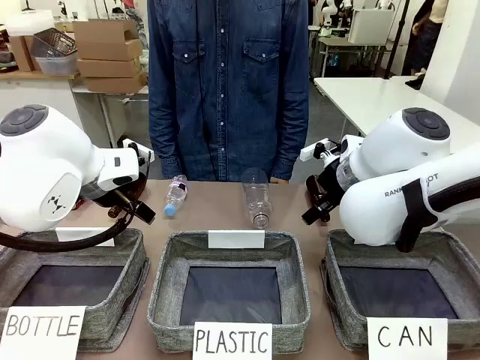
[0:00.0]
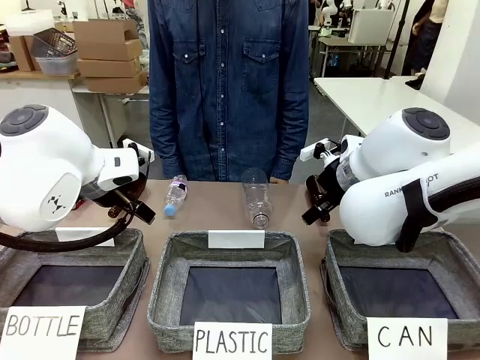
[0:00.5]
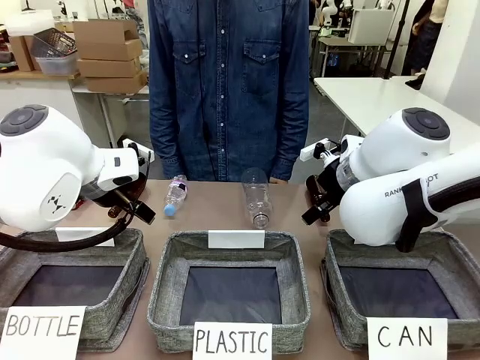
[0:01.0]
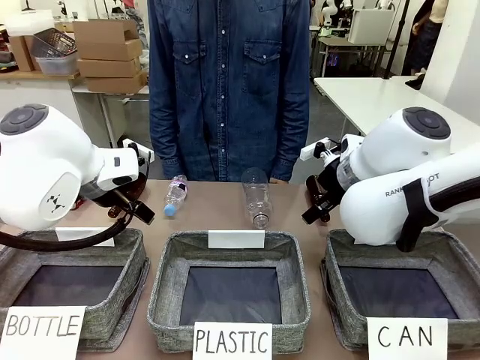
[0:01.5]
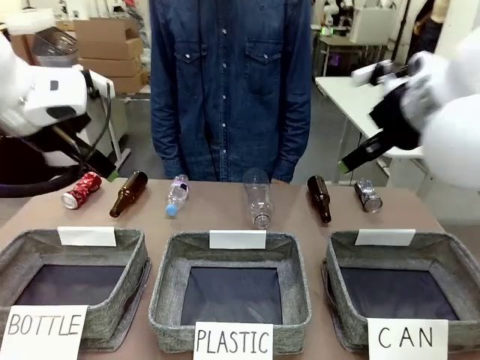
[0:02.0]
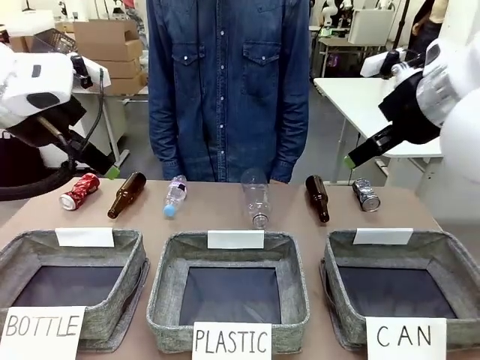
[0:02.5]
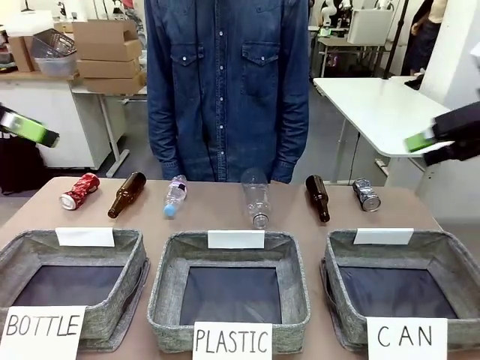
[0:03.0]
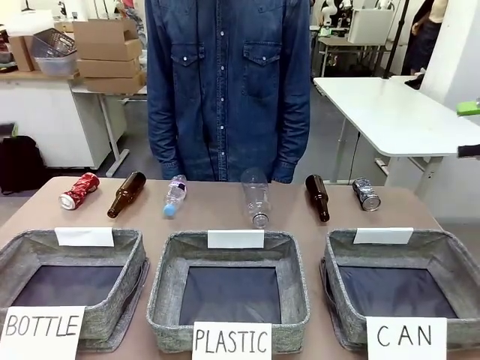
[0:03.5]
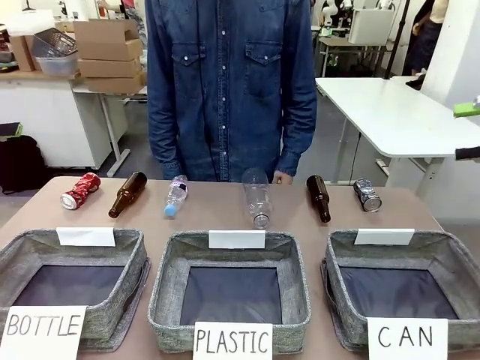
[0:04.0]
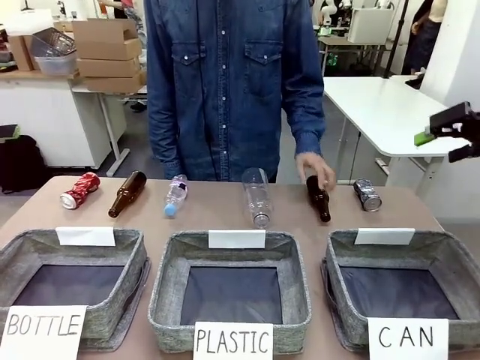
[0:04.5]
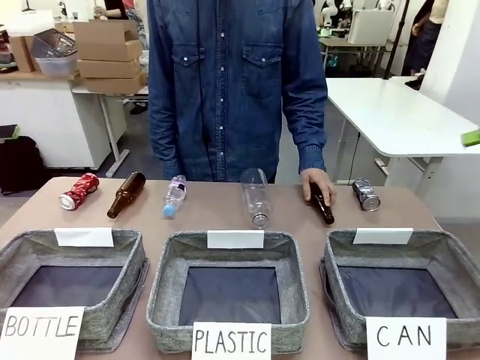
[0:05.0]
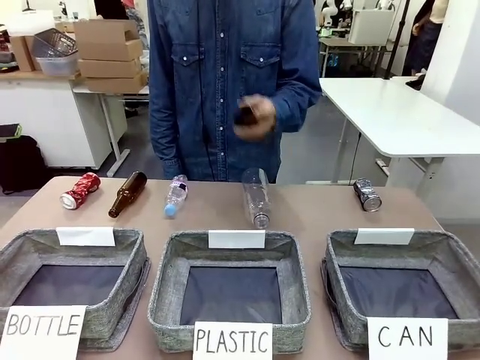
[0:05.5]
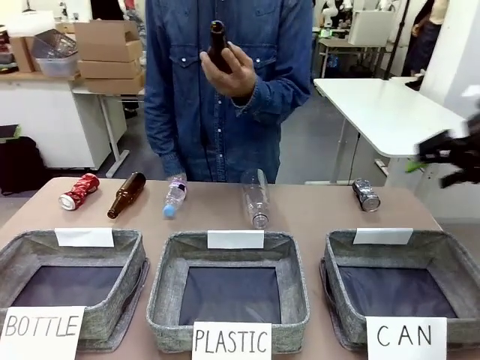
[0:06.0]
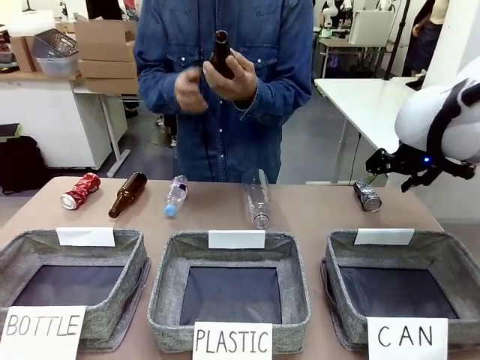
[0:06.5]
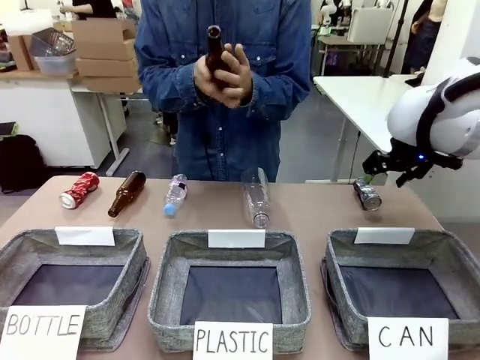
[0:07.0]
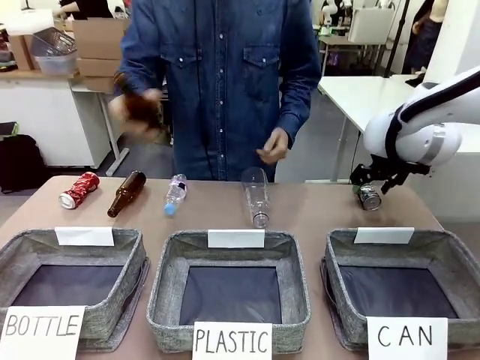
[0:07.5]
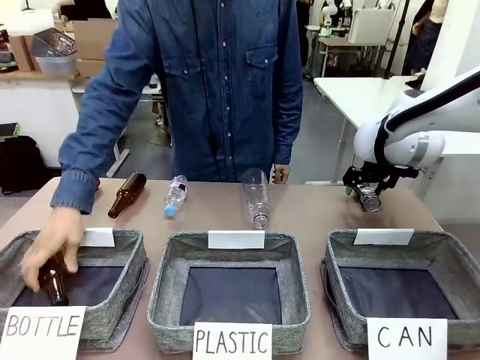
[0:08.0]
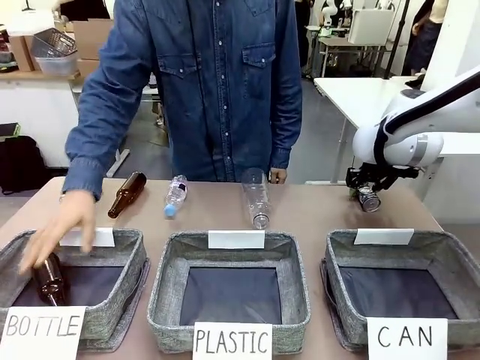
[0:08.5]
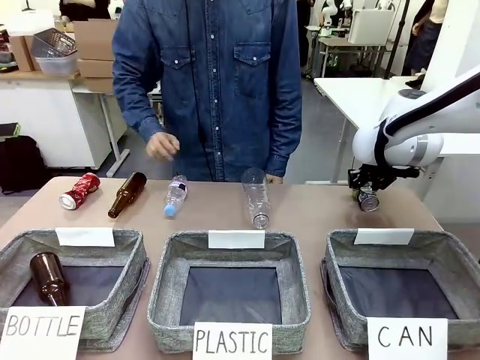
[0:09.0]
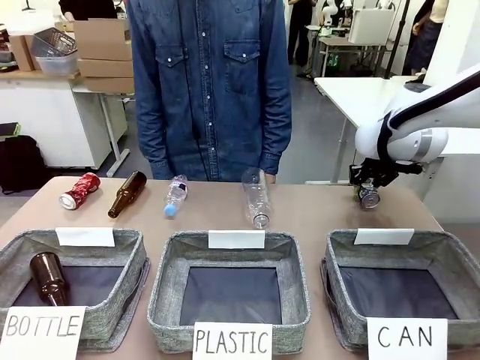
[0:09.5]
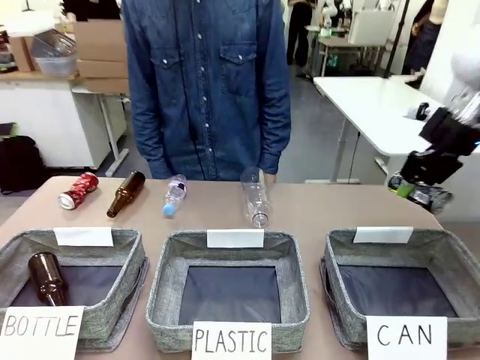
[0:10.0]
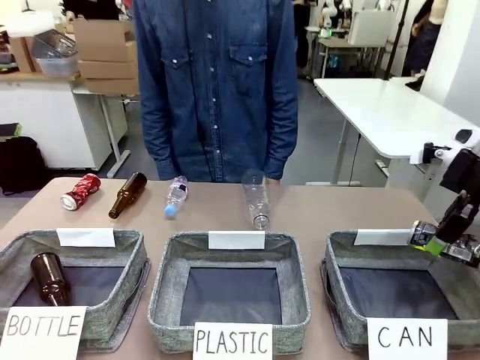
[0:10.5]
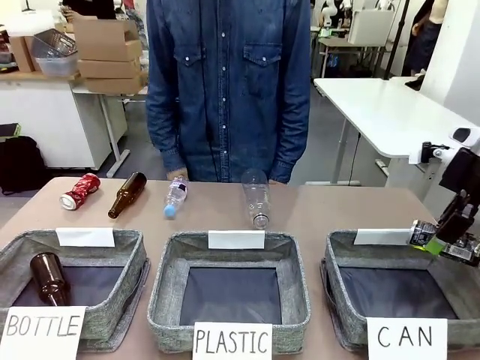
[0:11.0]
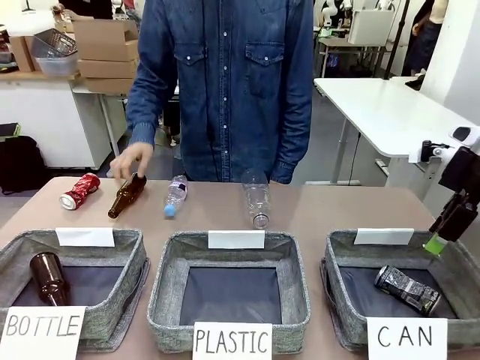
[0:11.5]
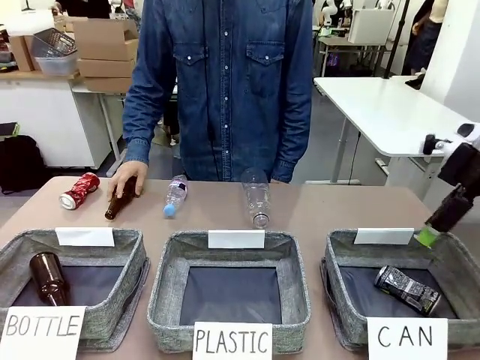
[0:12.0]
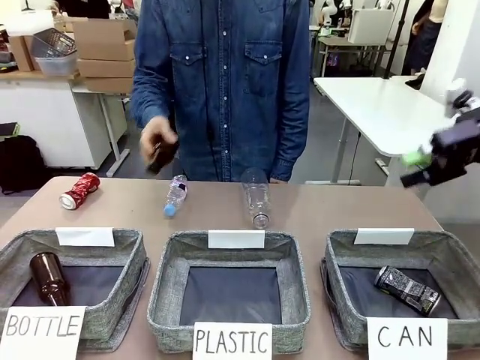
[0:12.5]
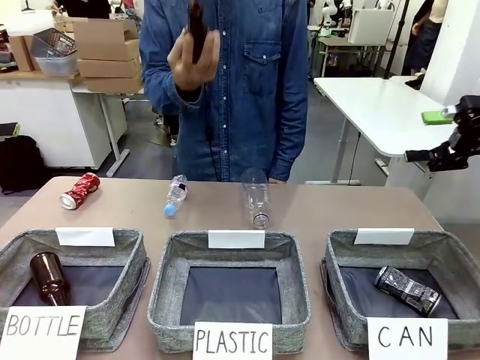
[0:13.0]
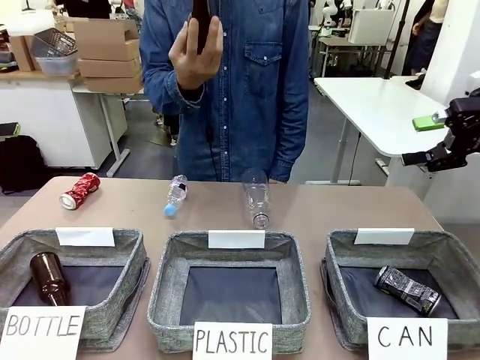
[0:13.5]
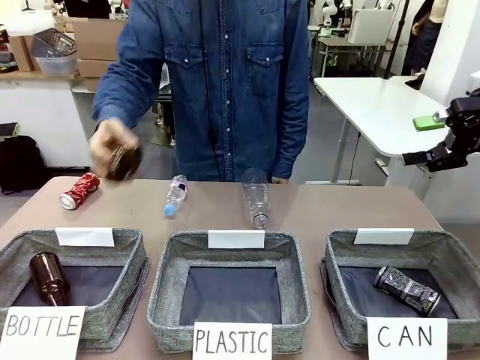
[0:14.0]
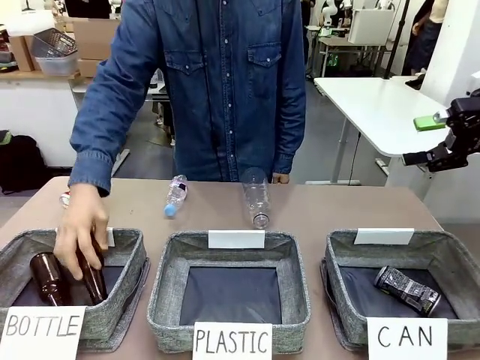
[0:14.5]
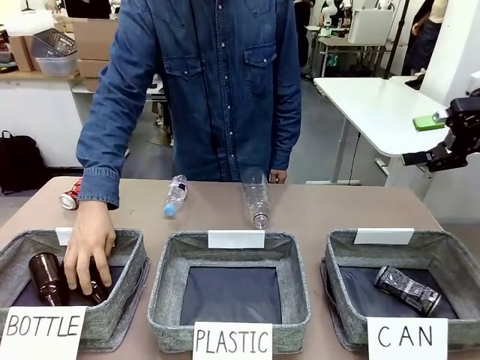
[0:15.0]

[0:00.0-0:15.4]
Task: Sort the can waste into the basket.
Robot: Pick up the can waste from the table and place it in the right Fabric basket.

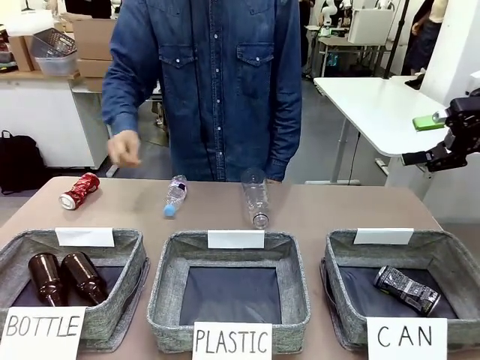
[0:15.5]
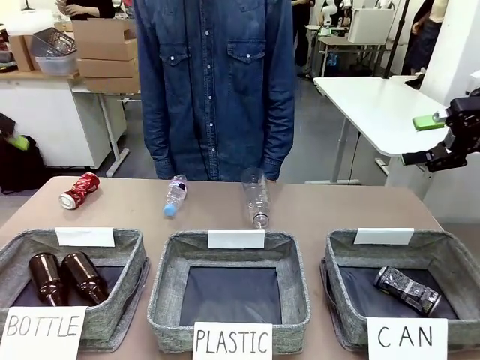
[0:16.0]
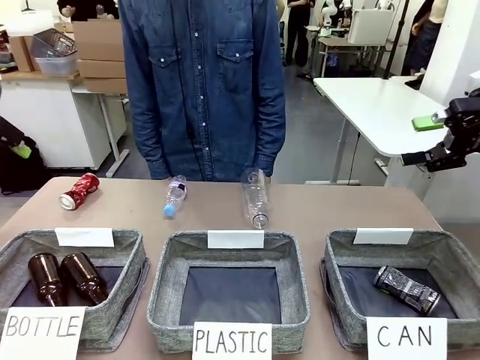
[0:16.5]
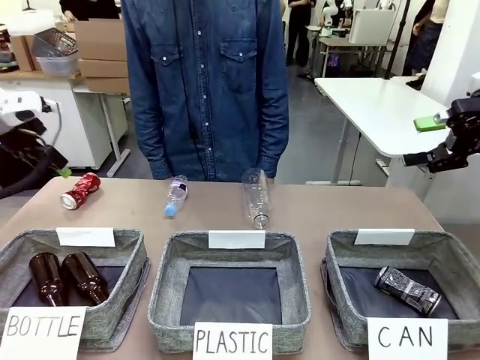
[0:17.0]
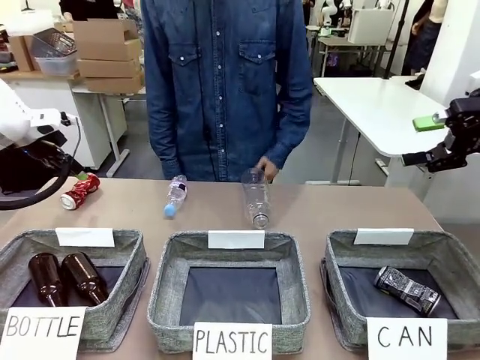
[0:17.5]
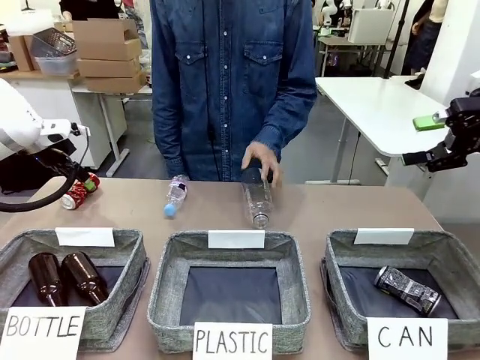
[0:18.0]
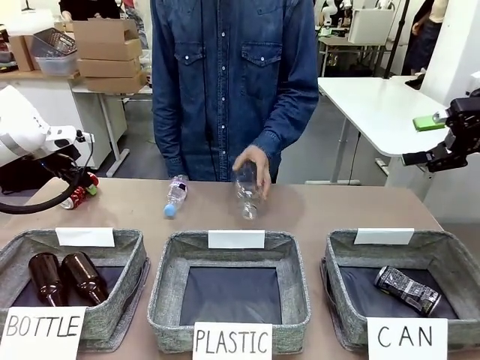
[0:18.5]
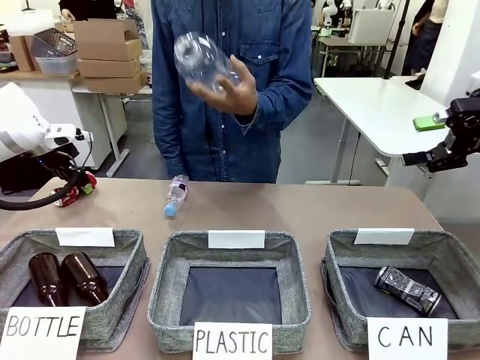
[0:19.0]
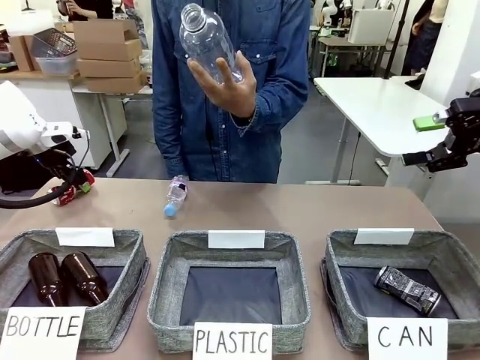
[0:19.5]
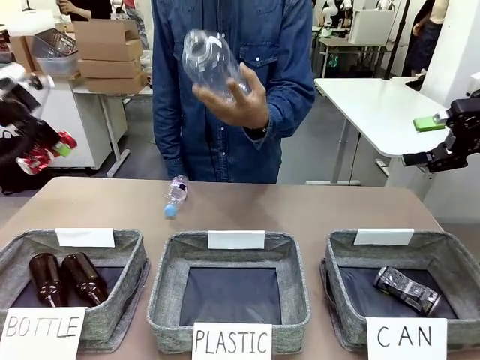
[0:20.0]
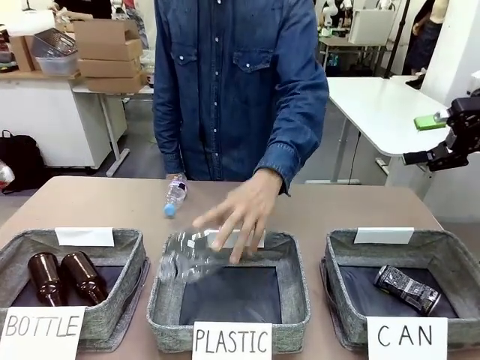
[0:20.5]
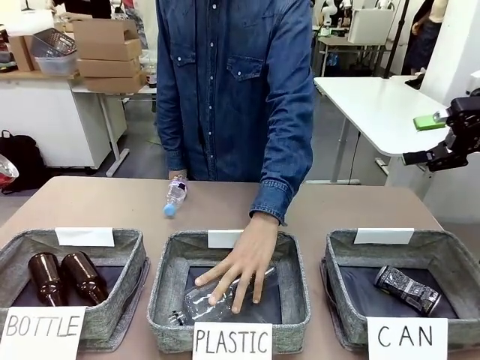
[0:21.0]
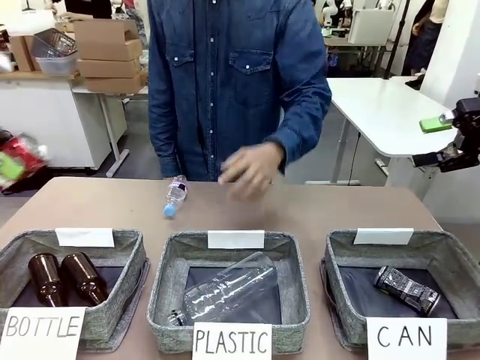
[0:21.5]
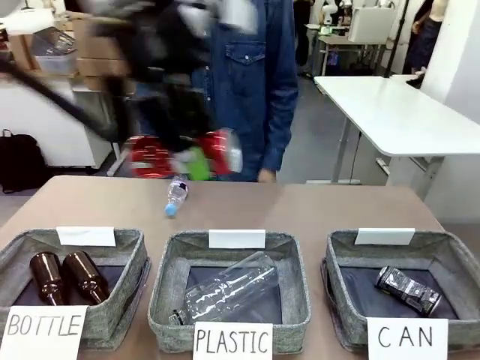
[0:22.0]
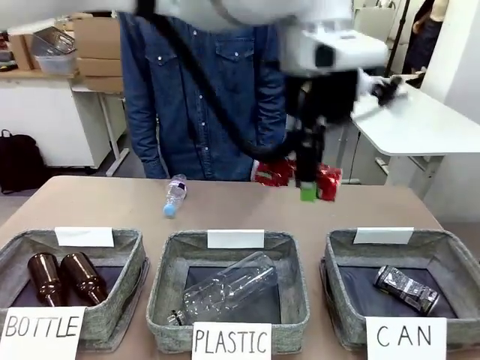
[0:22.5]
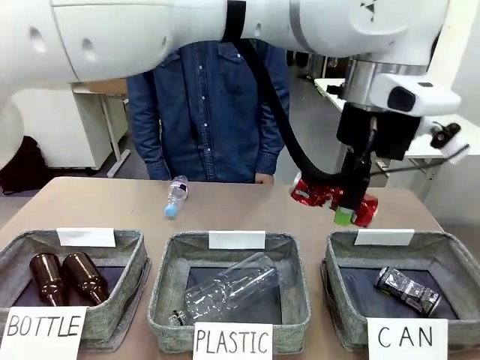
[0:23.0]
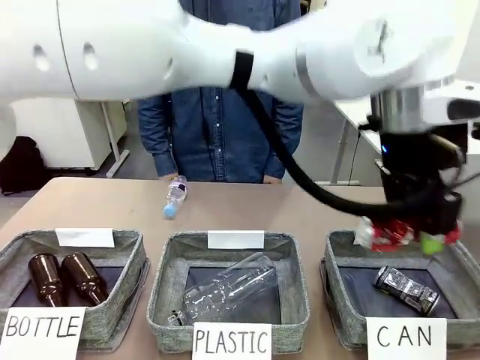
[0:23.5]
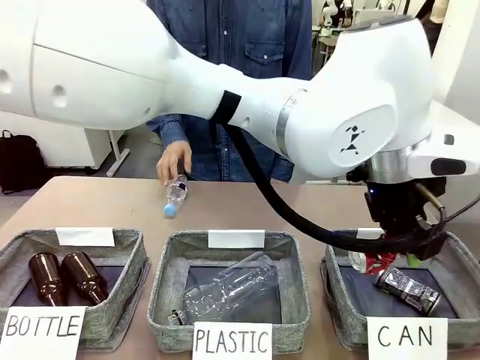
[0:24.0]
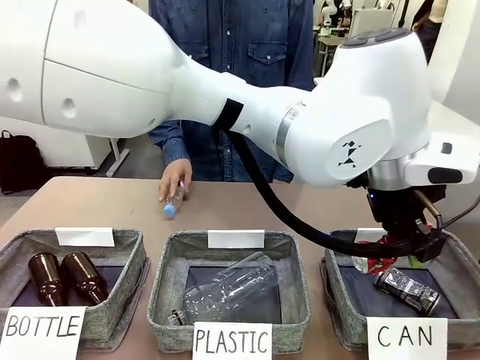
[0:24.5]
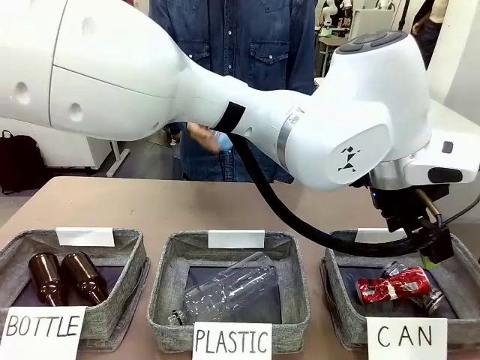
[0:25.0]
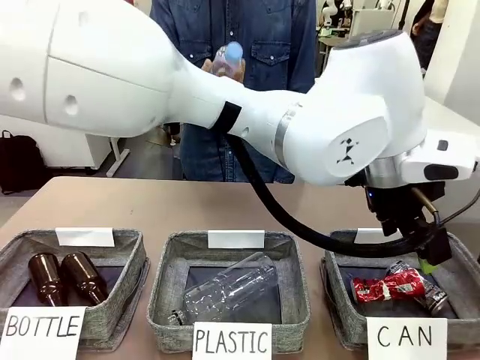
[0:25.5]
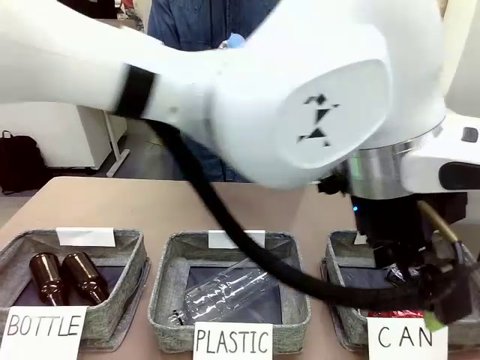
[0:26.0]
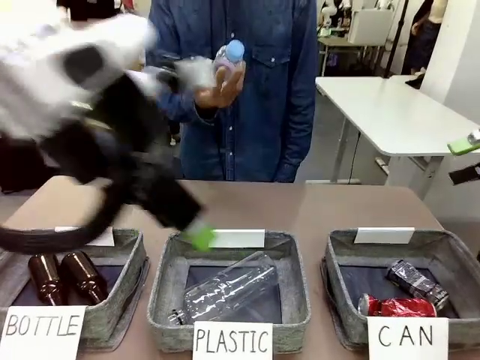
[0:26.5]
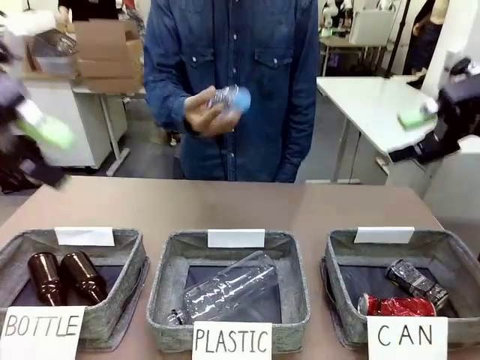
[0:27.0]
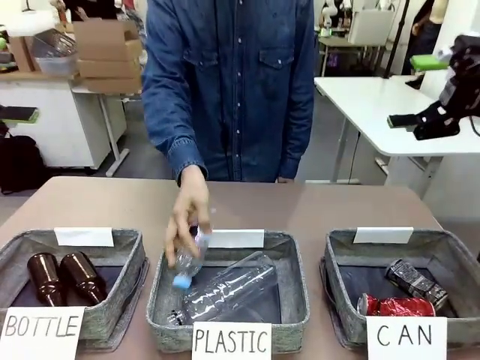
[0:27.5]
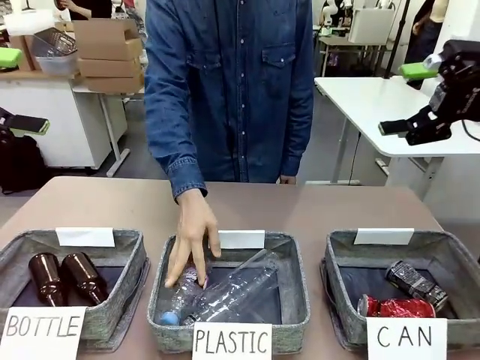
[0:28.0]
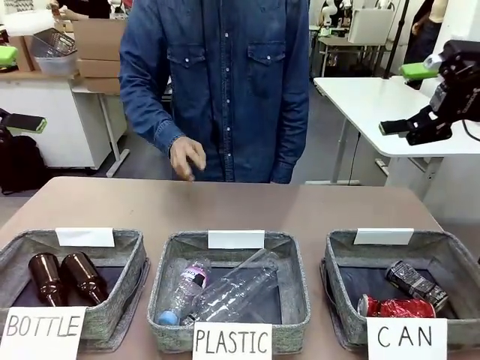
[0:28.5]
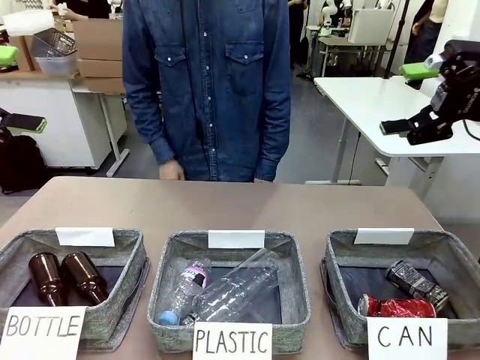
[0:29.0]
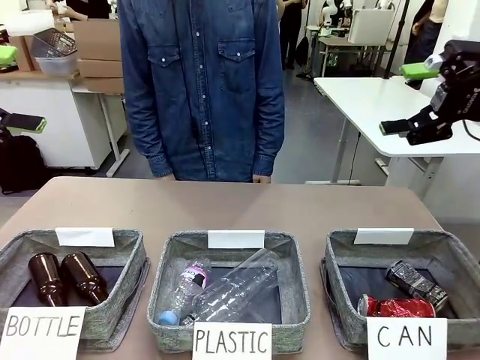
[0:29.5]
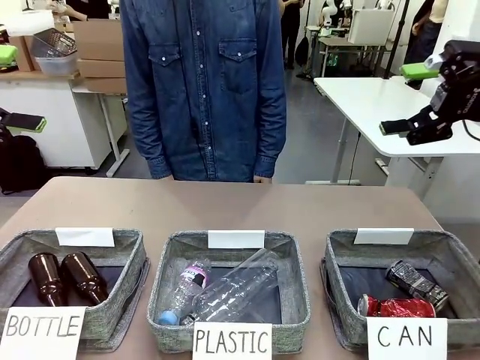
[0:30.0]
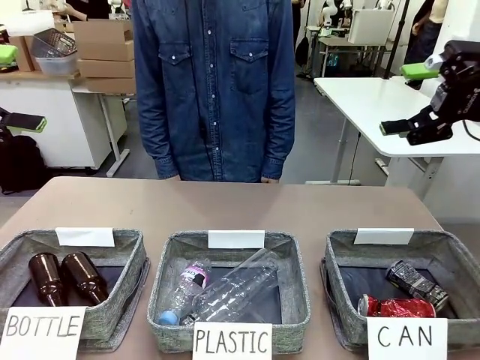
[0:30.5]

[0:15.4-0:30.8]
Robot: Pick up the can waste from the table and place it in the right Fabric basket.
